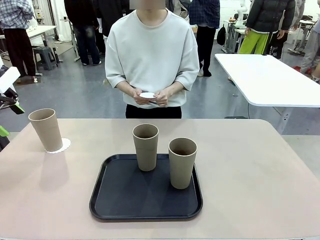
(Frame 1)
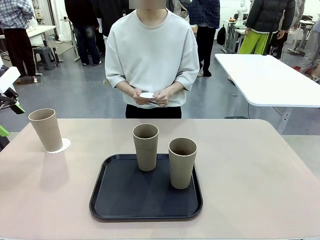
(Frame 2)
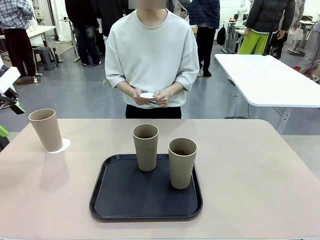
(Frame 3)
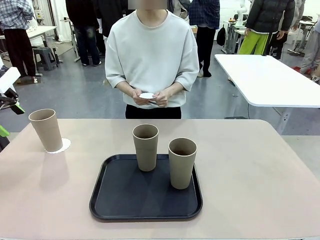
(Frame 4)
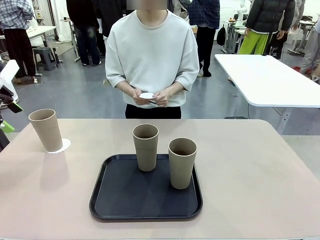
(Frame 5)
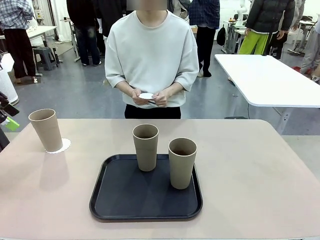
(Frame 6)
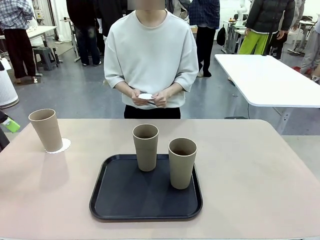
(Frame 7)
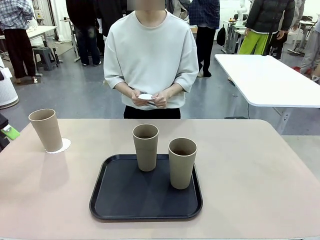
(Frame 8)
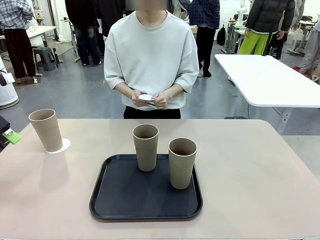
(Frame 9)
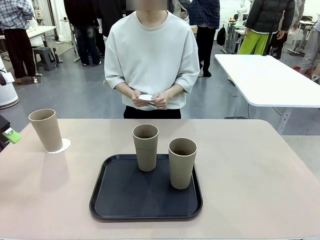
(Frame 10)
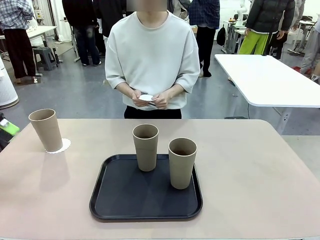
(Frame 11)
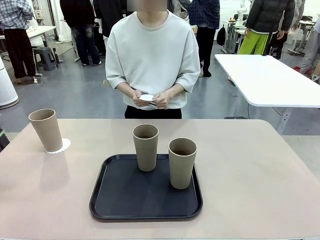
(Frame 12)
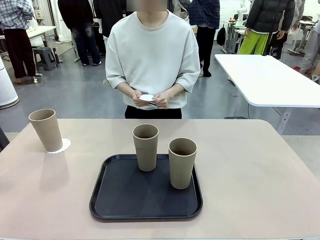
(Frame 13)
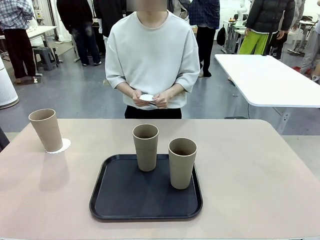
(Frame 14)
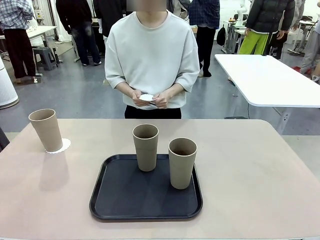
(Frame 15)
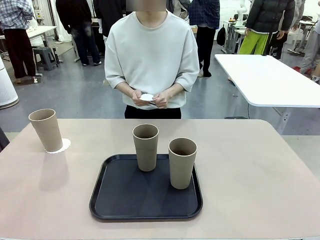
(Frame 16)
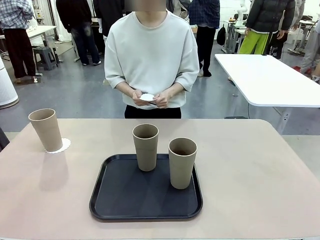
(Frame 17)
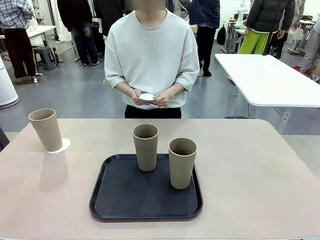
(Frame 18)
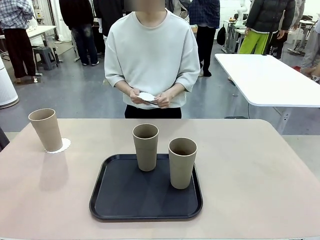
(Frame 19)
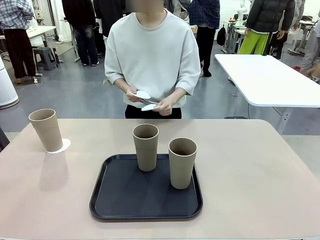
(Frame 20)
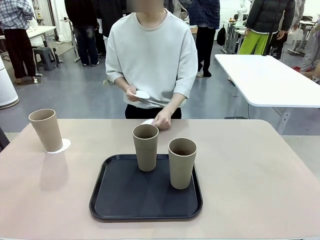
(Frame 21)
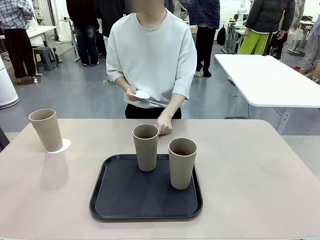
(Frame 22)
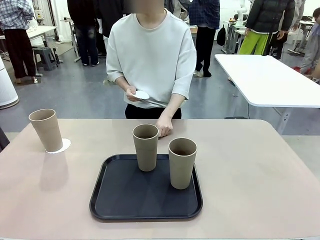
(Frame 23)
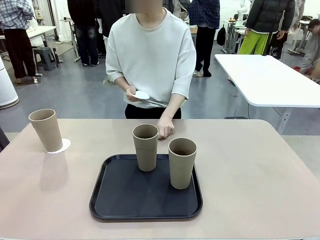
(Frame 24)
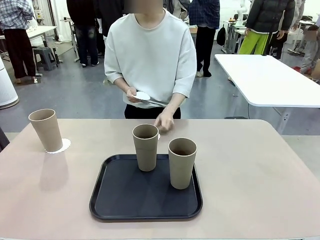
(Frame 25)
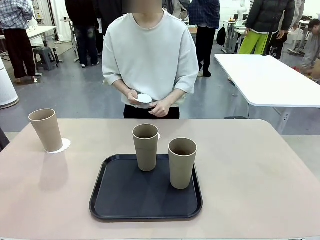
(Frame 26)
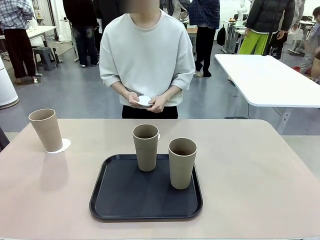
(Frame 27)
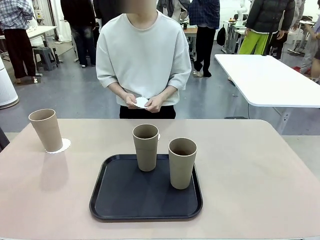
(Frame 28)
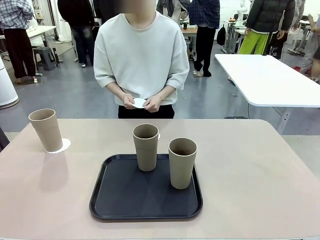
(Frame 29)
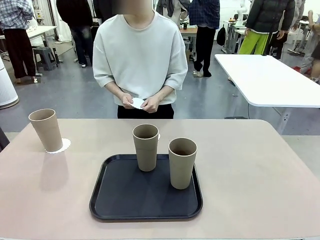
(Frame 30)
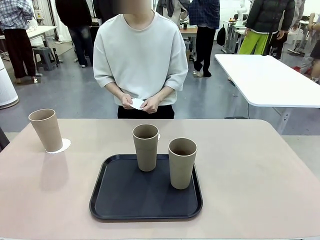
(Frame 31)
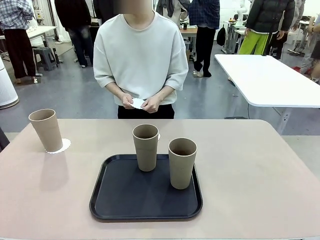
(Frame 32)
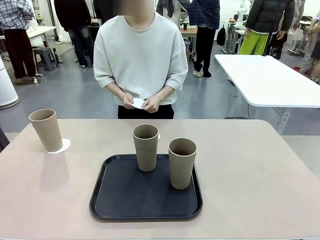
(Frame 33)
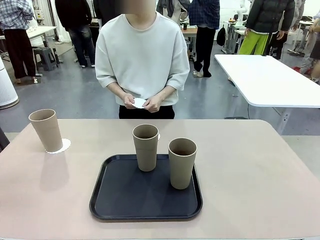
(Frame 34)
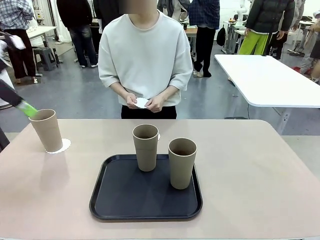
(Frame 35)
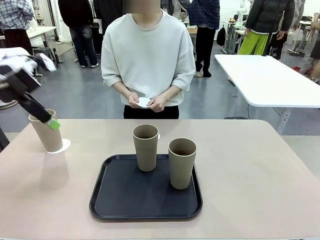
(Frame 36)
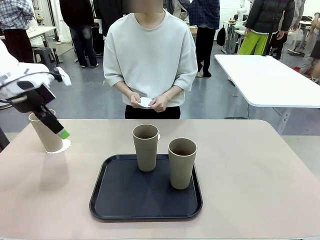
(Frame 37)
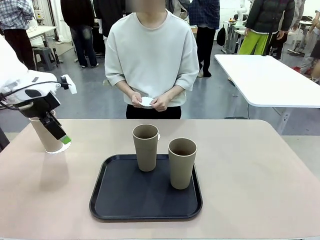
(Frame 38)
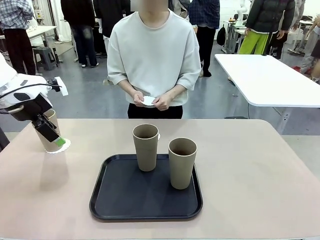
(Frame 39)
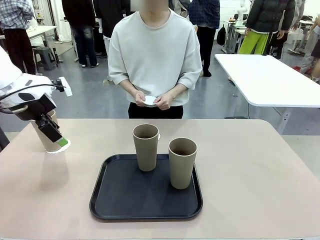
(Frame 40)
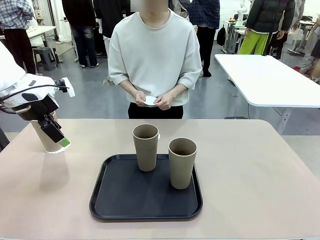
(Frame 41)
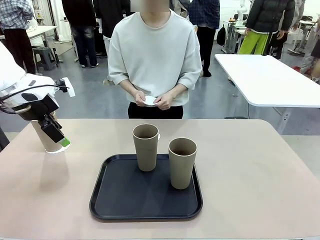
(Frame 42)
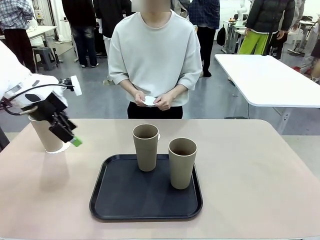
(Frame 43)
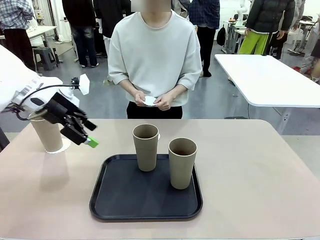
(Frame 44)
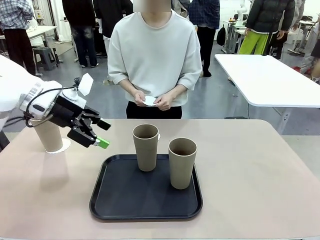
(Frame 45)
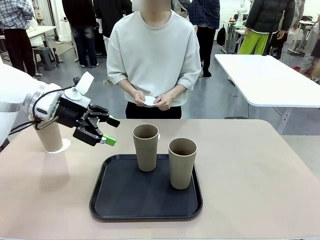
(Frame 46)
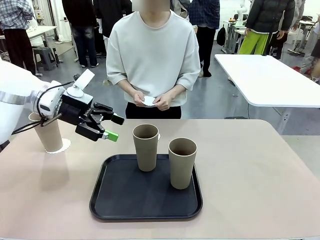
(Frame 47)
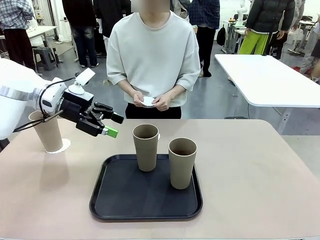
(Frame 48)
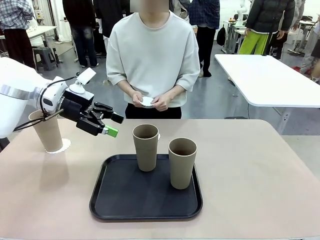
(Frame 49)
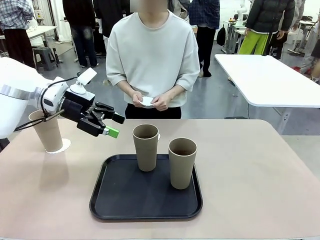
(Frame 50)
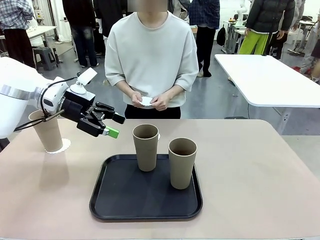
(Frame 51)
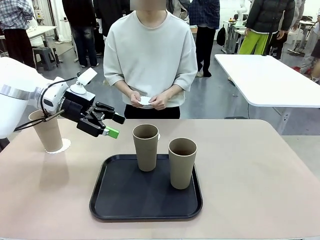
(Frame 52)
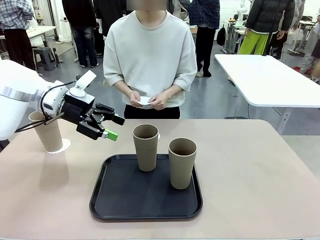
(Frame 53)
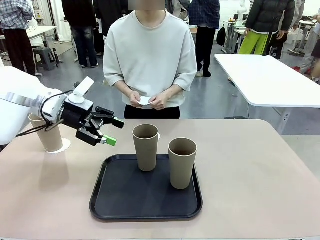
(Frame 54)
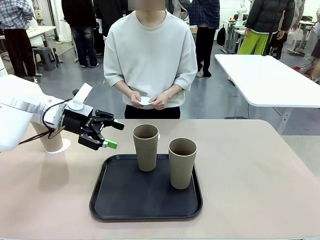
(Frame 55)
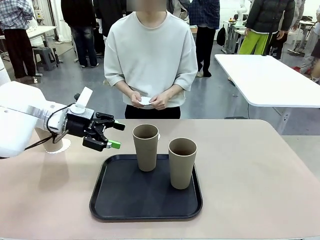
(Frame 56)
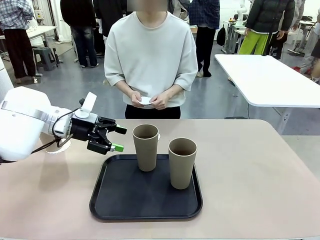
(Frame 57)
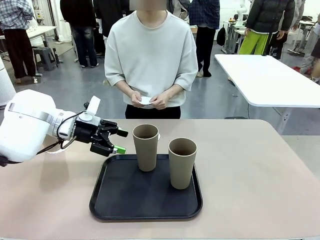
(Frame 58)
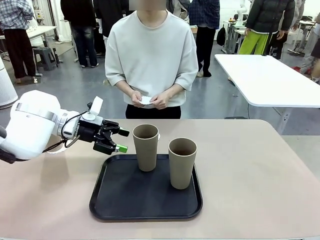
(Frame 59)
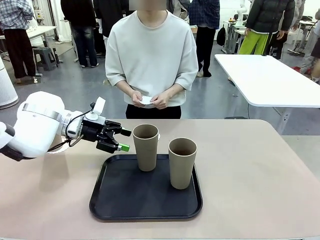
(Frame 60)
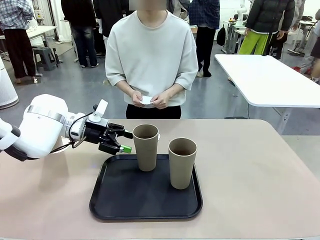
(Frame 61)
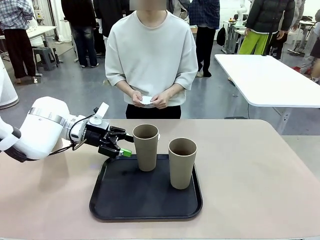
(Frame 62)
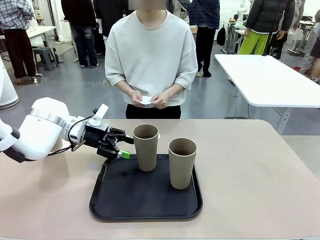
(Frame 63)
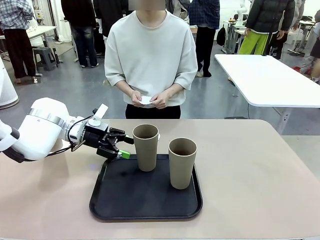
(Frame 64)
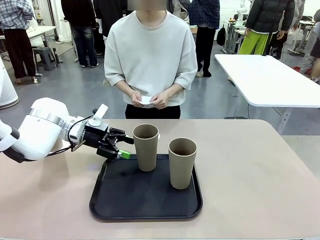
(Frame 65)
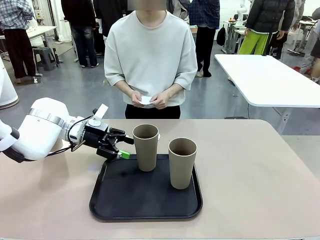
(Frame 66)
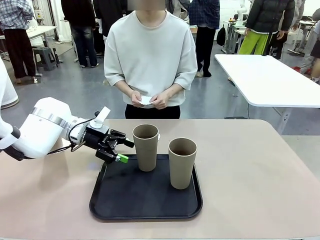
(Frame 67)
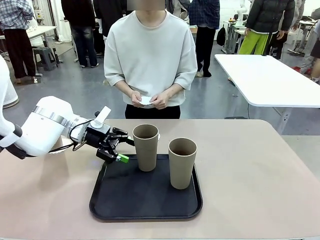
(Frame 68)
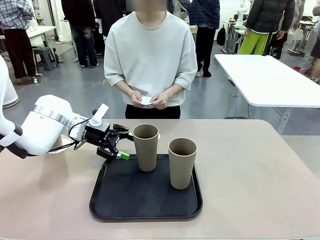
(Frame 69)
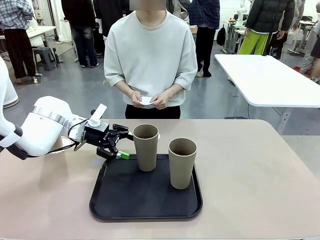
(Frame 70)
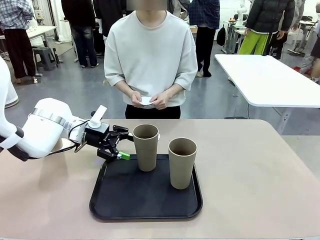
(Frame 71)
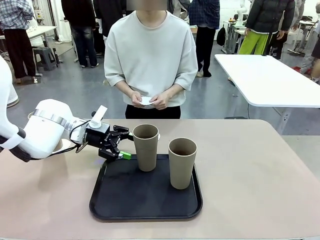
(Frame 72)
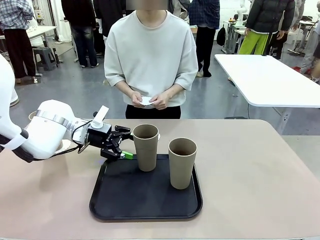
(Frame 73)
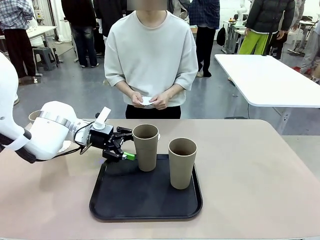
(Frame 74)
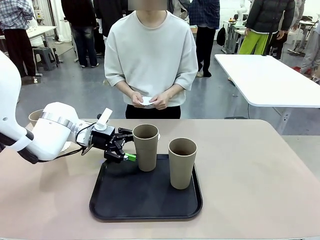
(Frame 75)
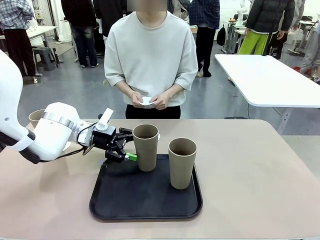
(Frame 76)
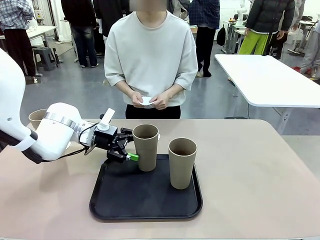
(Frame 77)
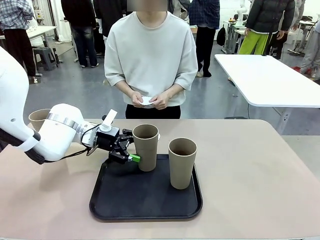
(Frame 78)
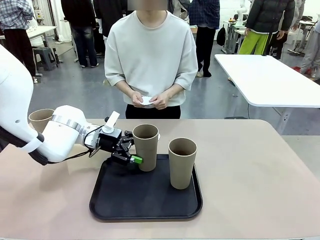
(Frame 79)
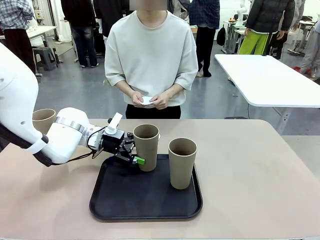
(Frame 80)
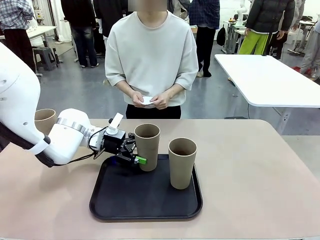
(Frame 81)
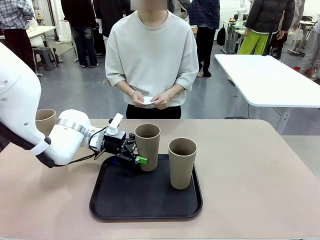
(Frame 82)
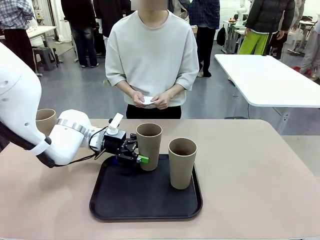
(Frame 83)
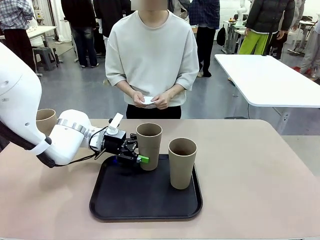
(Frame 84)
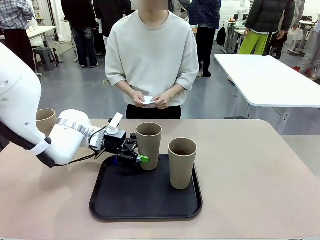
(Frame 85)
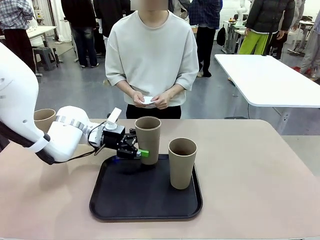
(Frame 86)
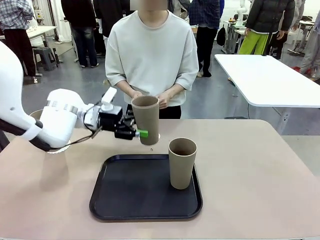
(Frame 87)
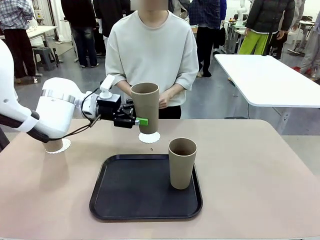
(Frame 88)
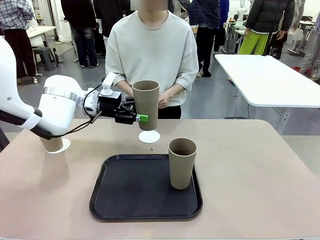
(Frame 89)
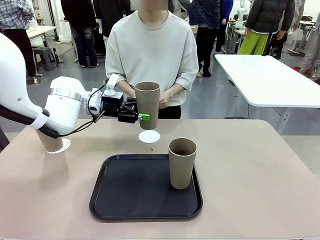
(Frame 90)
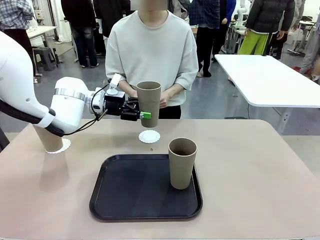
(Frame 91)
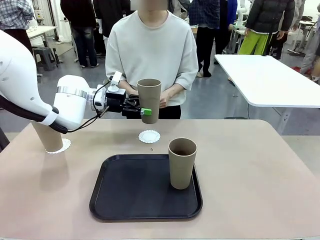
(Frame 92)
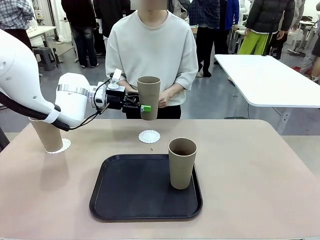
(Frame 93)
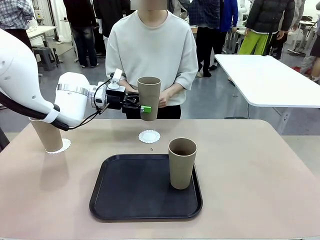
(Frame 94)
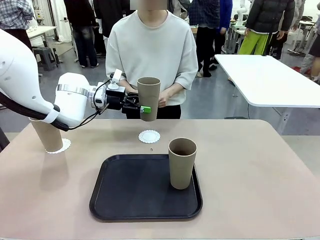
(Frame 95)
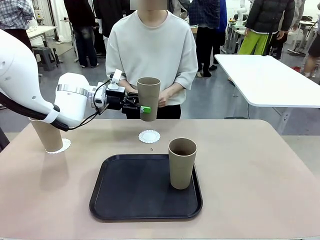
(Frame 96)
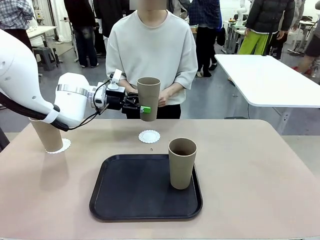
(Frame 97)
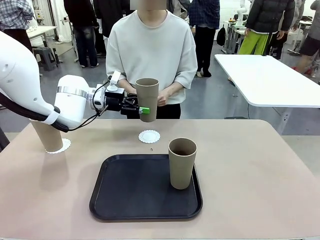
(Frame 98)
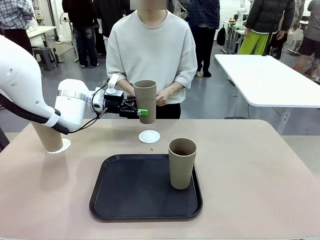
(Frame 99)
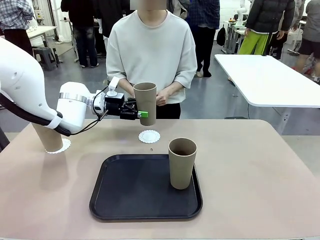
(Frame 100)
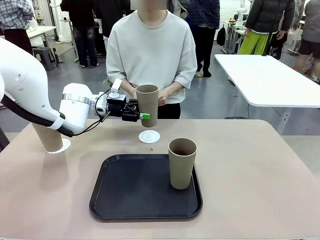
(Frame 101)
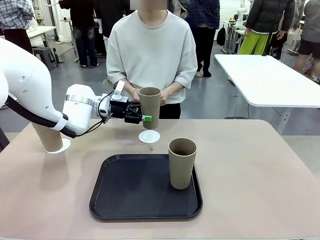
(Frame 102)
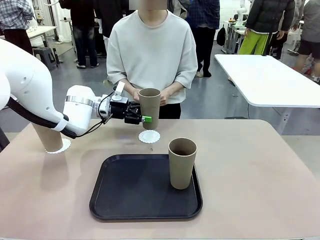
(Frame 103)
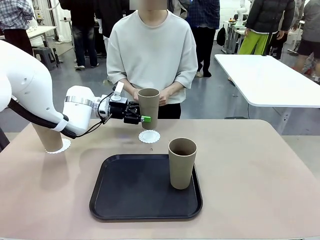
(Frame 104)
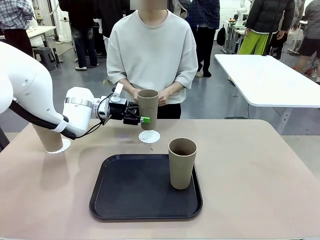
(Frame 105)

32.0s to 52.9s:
Task: Place coasters on the table and set cups on them.
Robot: Take one Reusable plastic cup from the Flat Tray and place it on a coaster set by the human.
